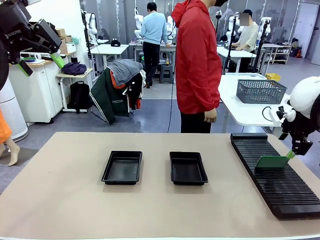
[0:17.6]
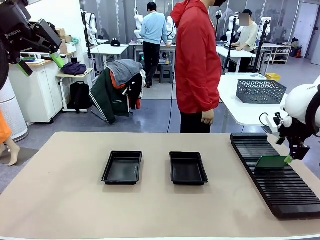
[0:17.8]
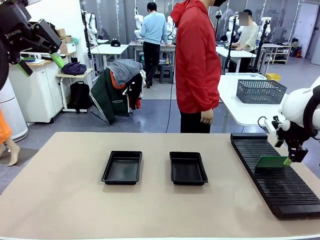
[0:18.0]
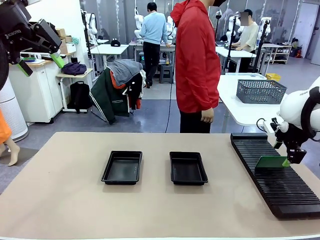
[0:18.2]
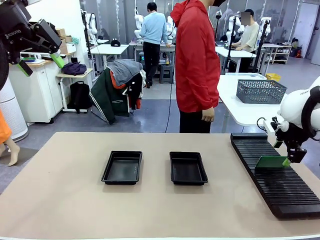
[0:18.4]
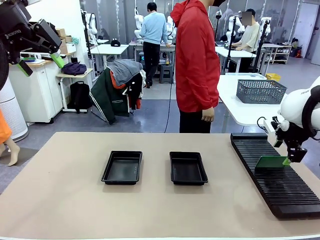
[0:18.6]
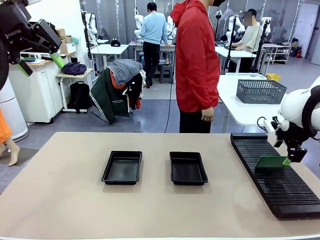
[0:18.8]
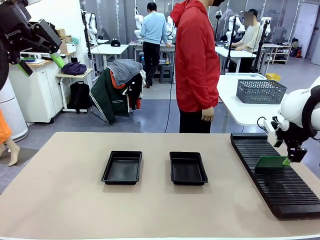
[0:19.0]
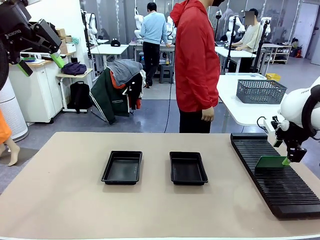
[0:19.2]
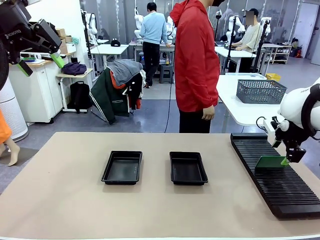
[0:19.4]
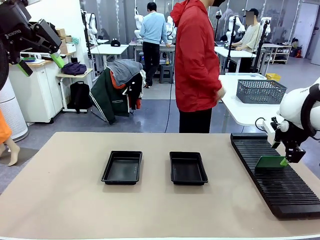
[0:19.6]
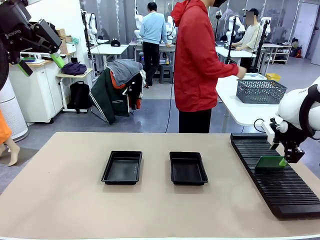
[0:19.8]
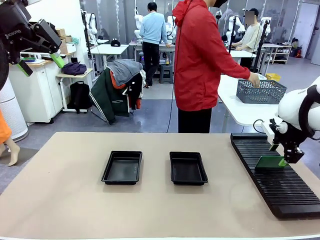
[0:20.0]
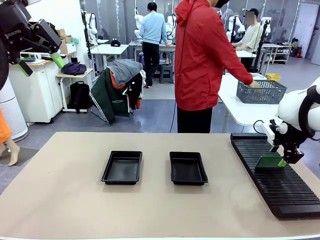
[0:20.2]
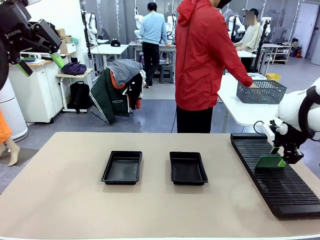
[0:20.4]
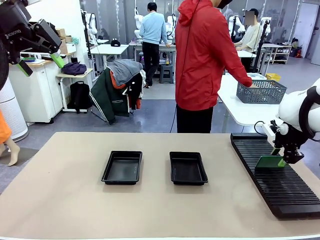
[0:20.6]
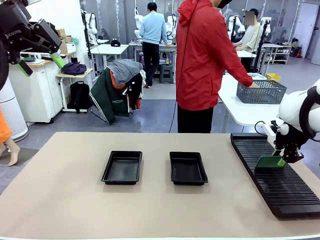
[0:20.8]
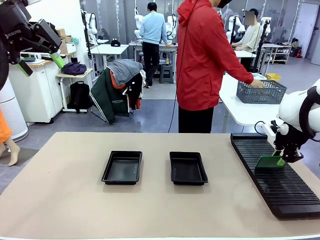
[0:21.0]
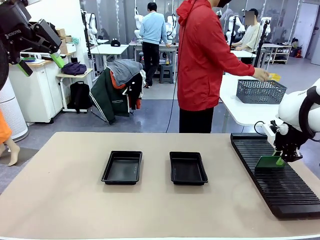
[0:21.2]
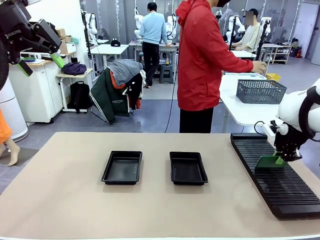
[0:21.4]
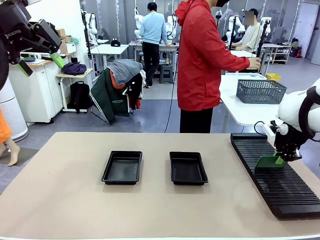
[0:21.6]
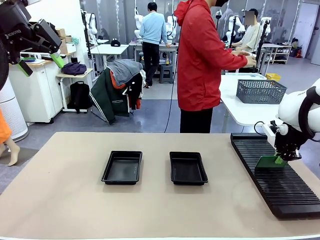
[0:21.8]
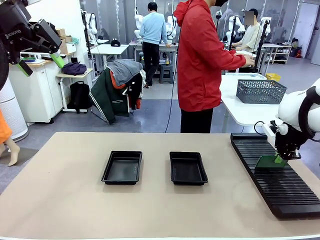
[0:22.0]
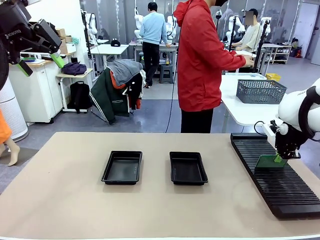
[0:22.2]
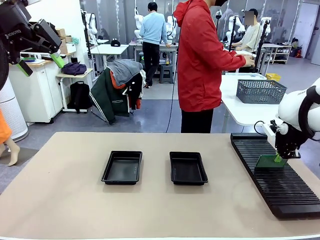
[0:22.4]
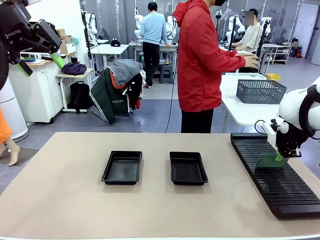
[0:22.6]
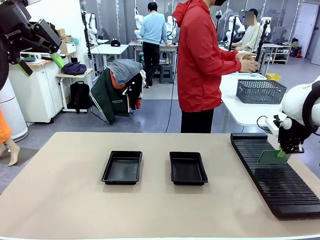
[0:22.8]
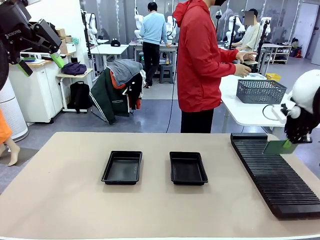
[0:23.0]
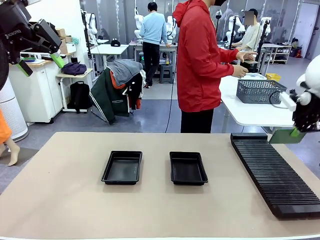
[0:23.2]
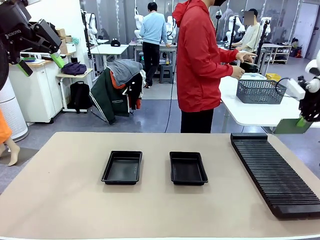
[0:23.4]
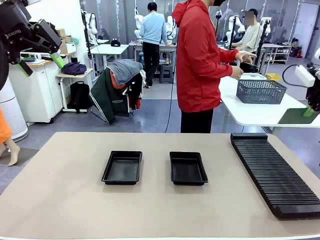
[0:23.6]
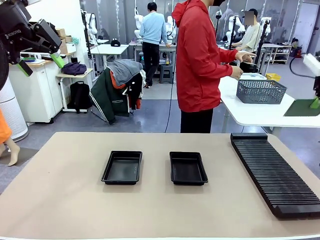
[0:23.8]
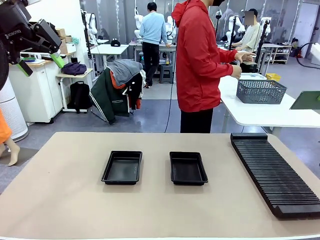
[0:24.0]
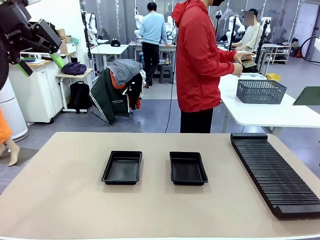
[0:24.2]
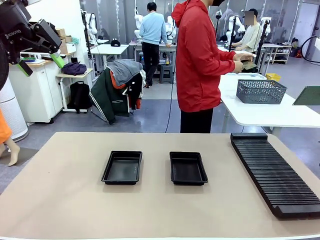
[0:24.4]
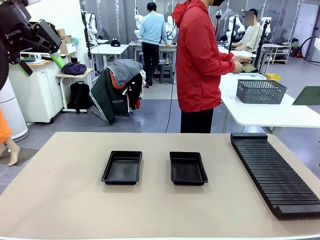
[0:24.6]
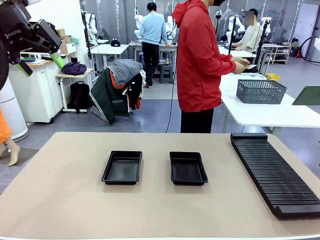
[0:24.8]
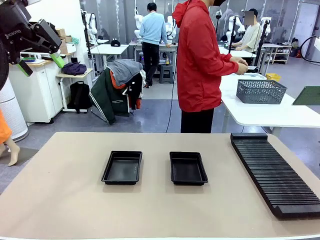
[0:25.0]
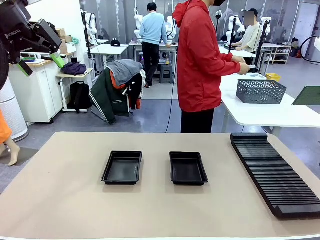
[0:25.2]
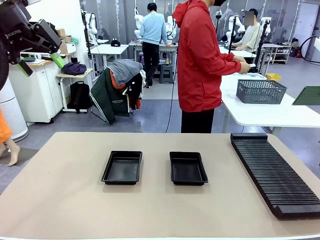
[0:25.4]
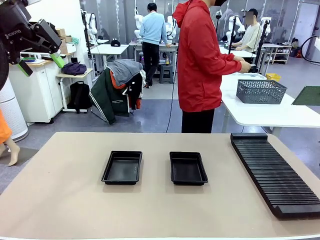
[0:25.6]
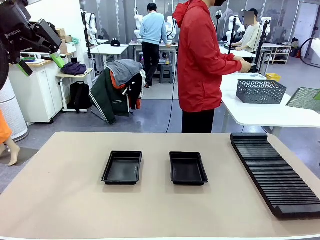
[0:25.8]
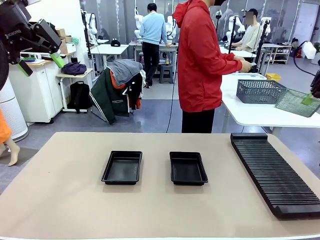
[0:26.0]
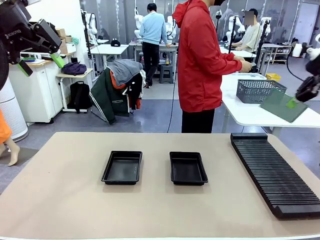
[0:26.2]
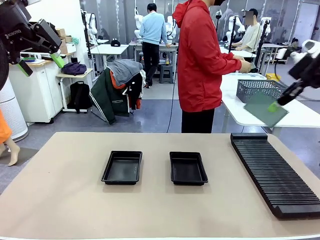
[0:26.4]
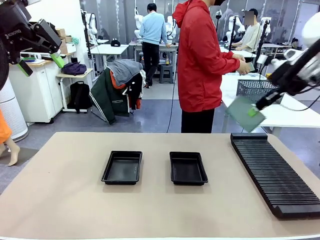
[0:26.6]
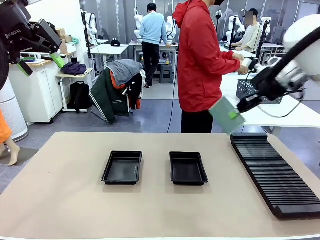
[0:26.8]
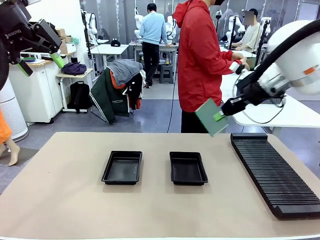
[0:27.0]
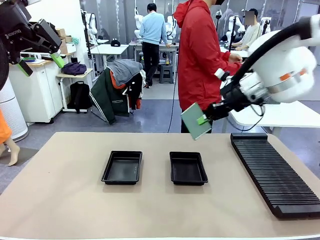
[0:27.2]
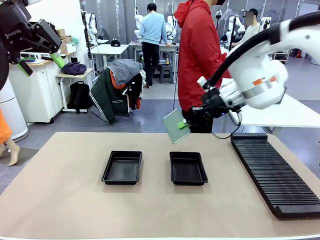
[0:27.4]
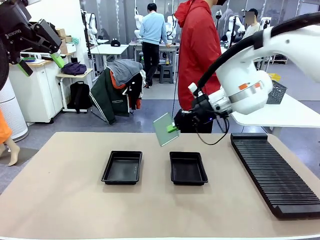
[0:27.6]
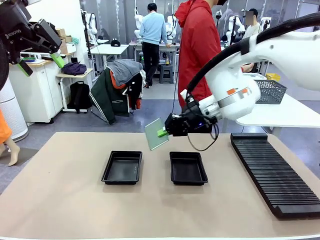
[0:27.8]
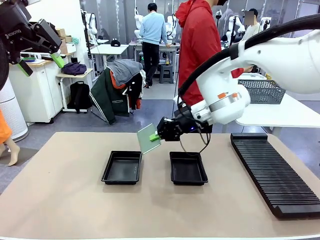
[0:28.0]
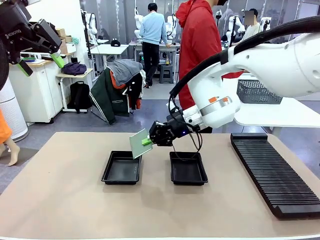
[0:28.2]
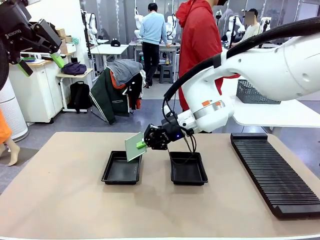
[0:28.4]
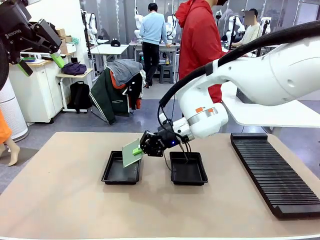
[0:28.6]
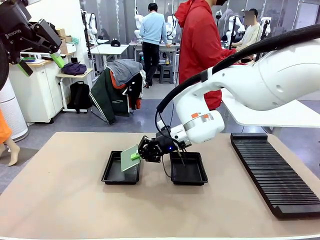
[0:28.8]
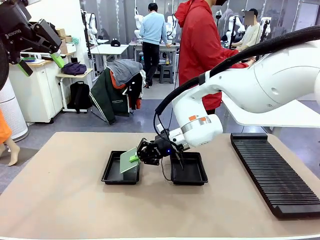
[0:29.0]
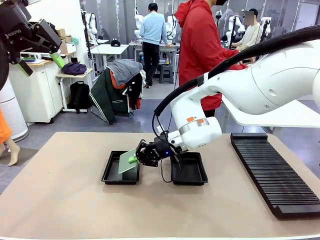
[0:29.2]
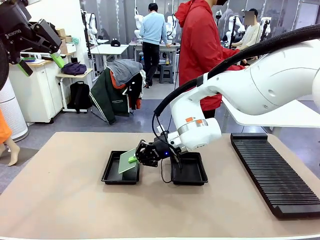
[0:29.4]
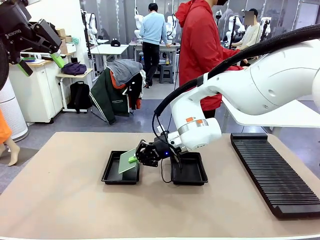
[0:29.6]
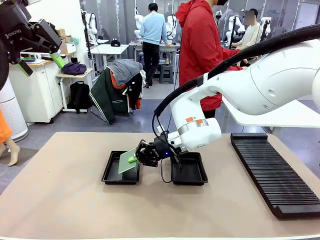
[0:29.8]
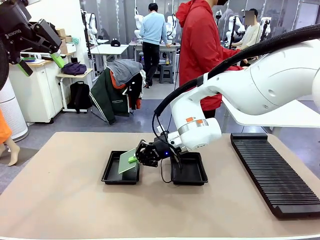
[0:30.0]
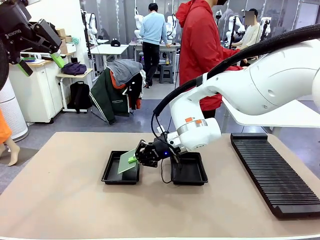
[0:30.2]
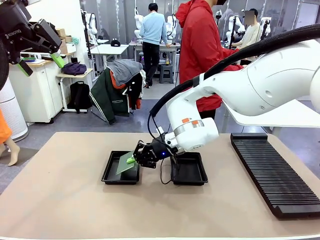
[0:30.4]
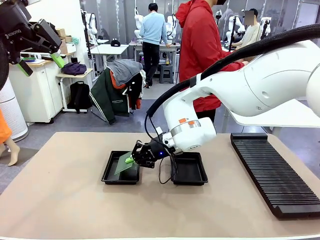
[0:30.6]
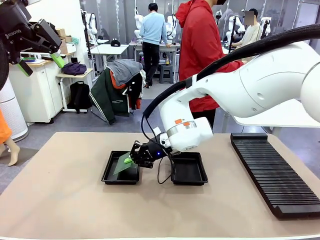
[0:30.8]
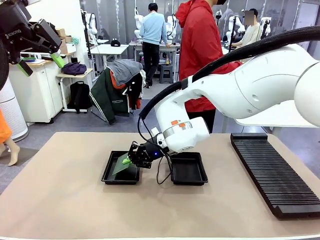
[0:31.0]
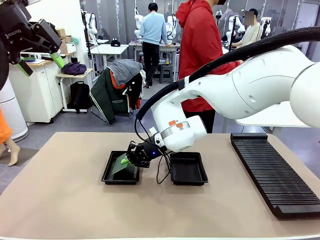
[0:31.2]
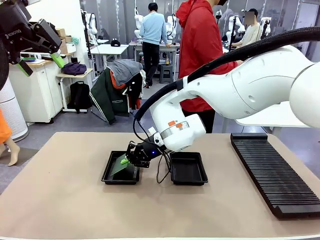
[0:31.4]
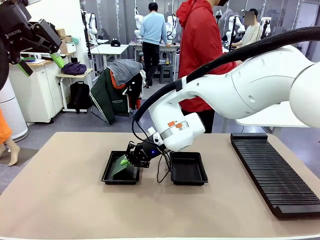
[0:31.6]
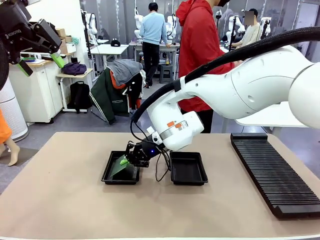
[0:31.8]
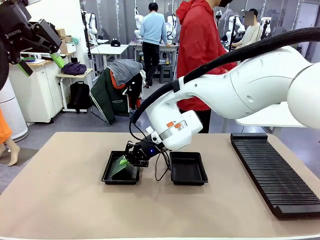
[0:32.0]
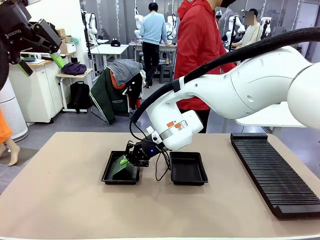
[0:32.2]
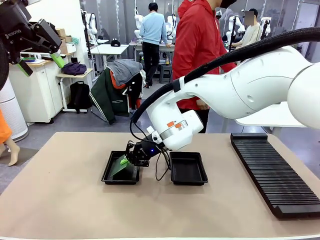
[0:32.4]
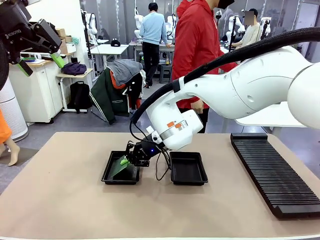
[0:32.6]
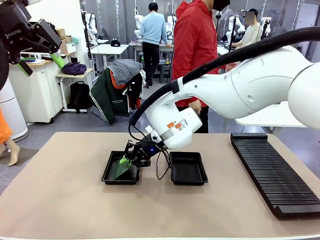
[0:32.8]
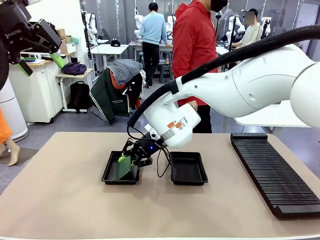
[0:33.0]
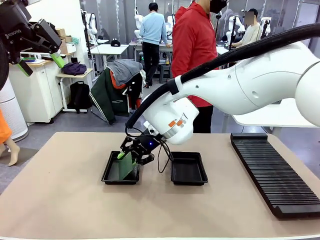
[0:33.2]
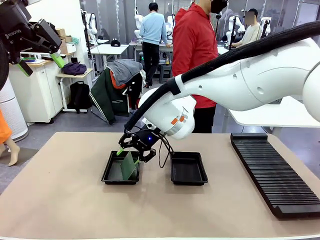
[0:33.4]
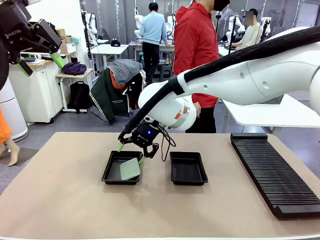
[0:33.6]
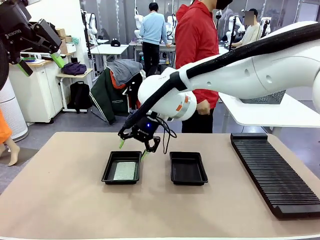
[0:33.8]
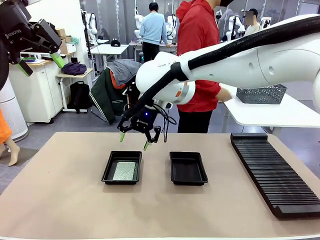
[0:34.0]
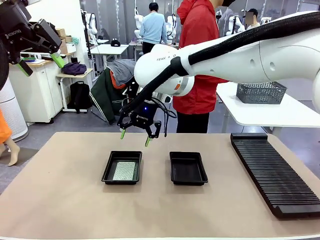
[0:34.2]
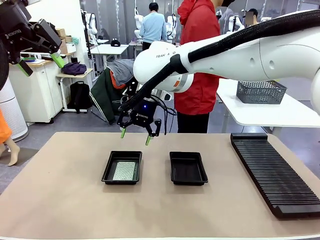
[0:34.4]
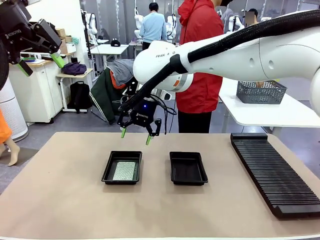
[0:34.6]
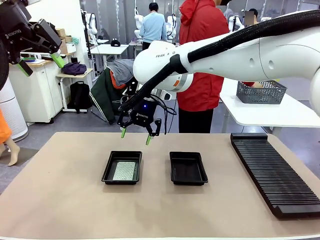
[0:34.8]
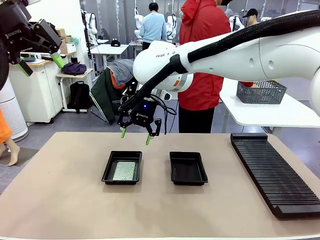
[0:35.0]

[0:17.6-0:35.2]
Task: Inspect and transfer BCBs to ESD trays.
Robot: Pick up the Blank PCB from the PCB Rack and place it in the left ESD tray.
